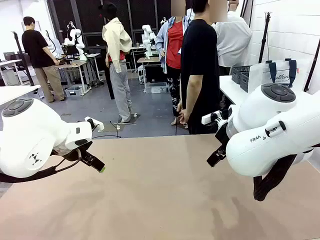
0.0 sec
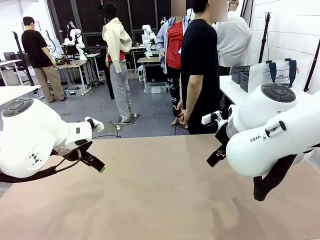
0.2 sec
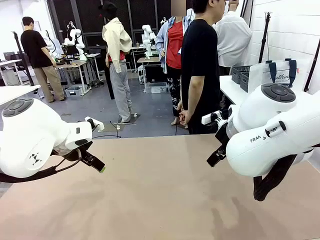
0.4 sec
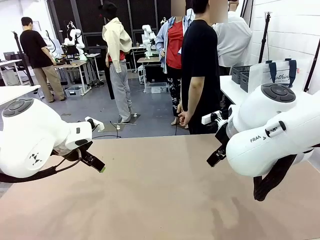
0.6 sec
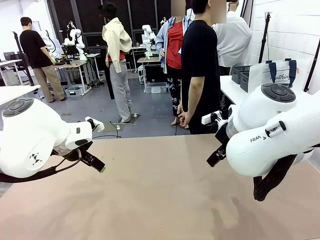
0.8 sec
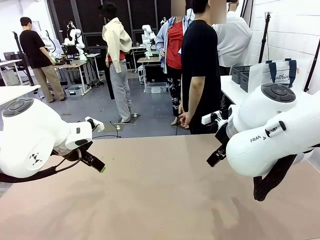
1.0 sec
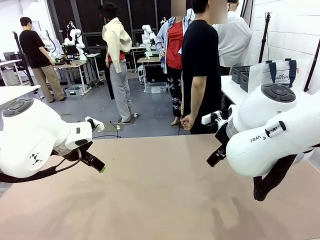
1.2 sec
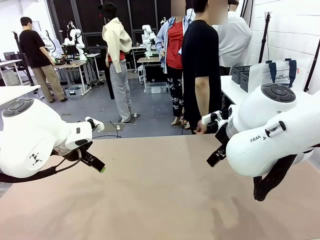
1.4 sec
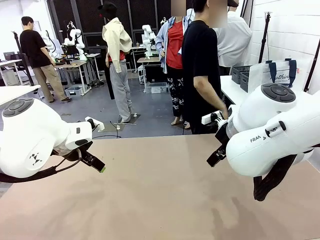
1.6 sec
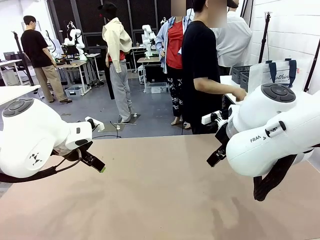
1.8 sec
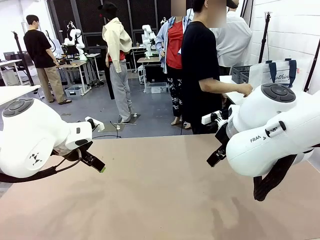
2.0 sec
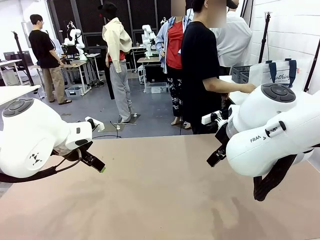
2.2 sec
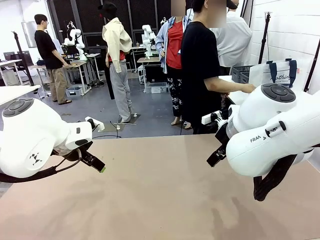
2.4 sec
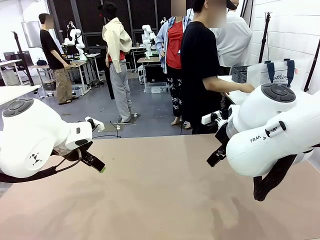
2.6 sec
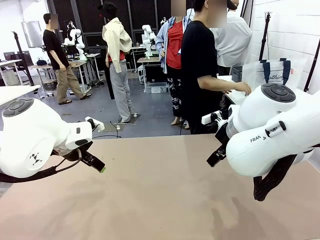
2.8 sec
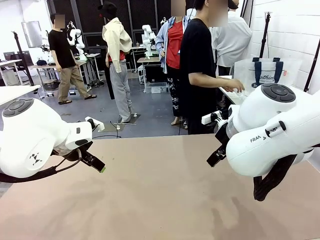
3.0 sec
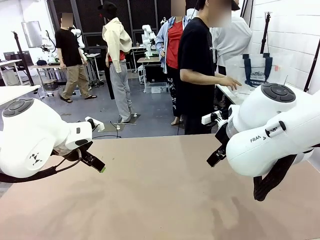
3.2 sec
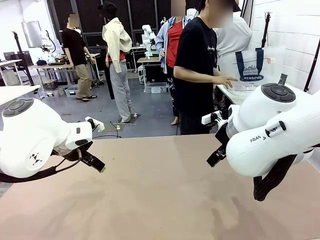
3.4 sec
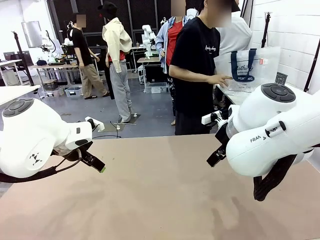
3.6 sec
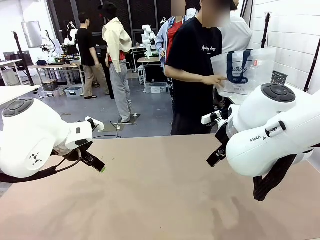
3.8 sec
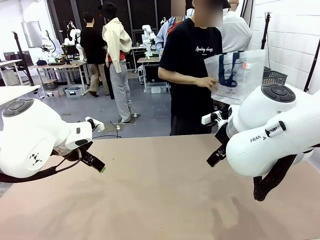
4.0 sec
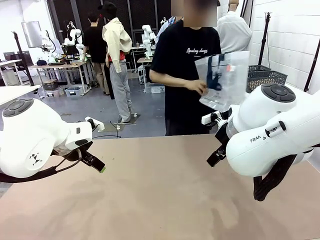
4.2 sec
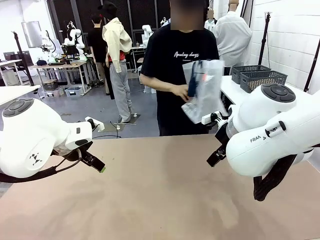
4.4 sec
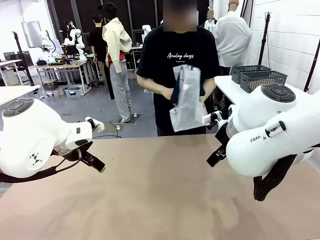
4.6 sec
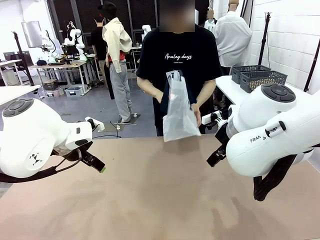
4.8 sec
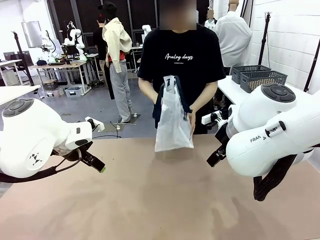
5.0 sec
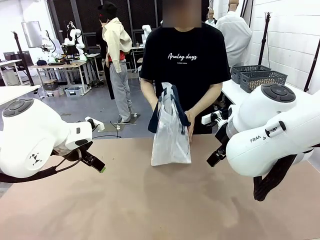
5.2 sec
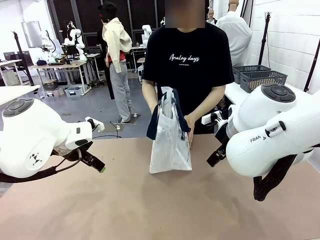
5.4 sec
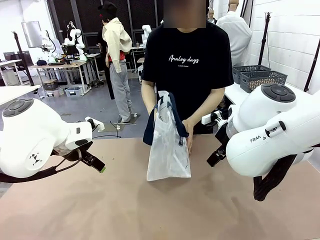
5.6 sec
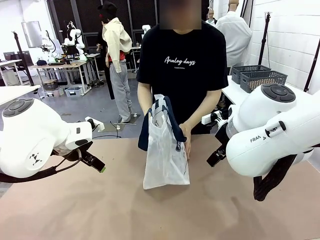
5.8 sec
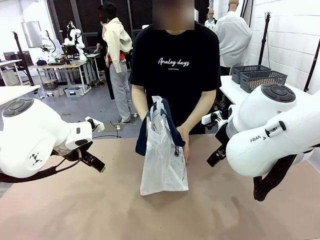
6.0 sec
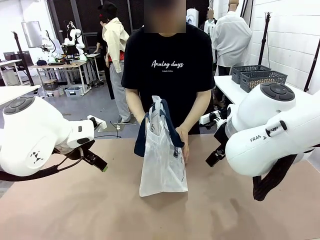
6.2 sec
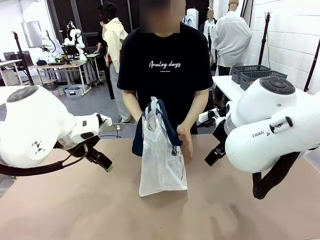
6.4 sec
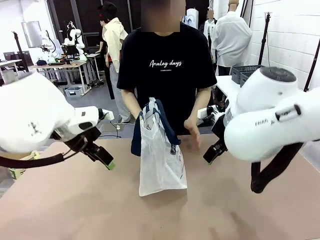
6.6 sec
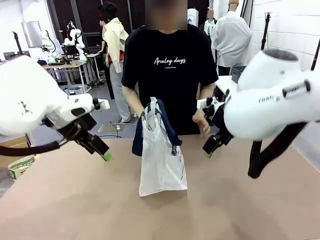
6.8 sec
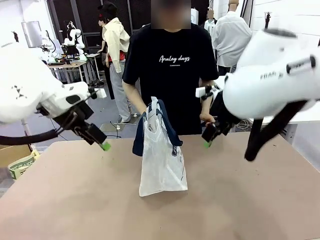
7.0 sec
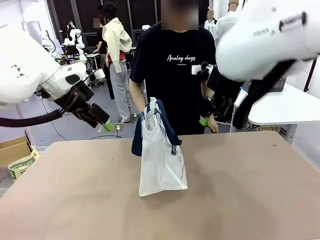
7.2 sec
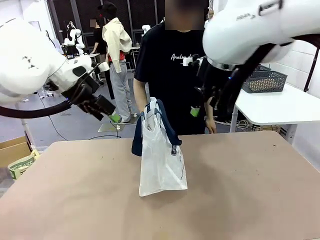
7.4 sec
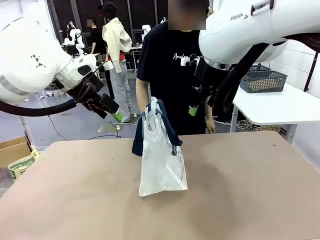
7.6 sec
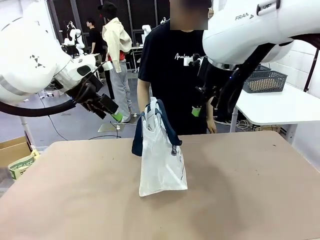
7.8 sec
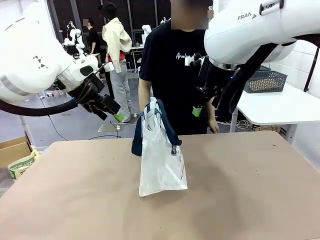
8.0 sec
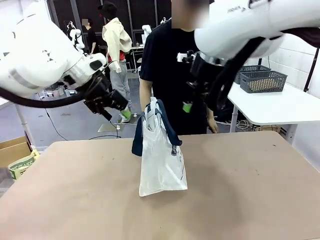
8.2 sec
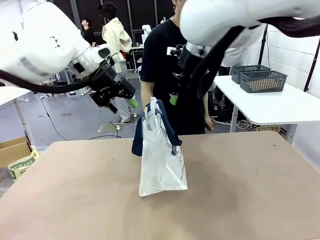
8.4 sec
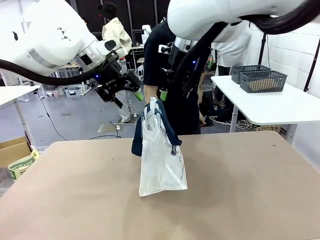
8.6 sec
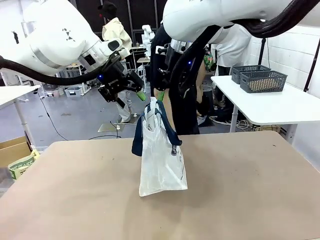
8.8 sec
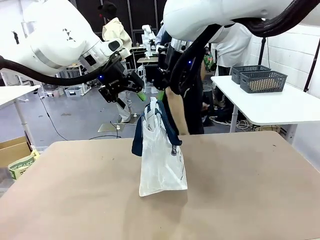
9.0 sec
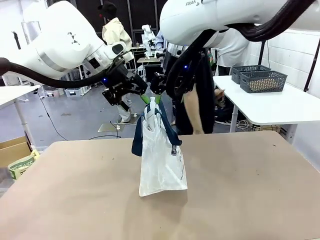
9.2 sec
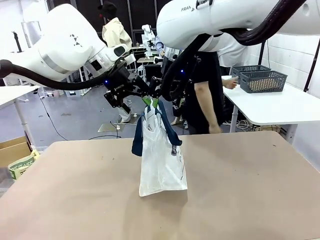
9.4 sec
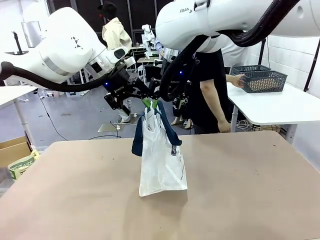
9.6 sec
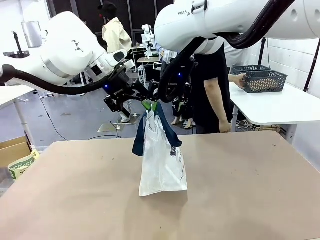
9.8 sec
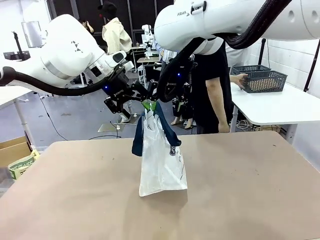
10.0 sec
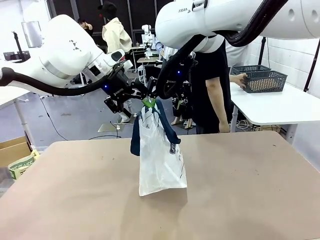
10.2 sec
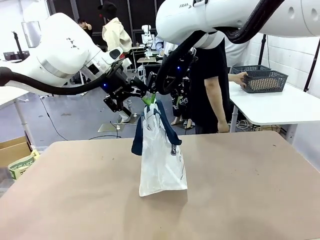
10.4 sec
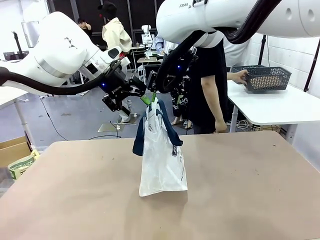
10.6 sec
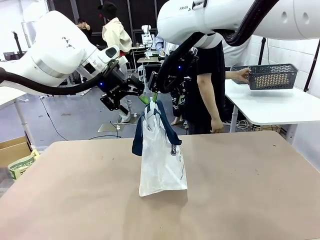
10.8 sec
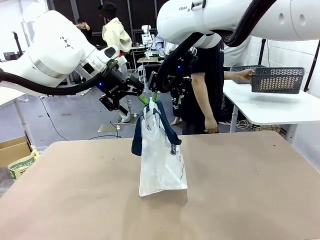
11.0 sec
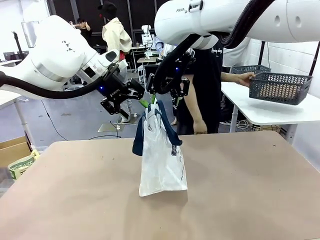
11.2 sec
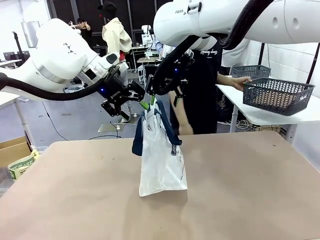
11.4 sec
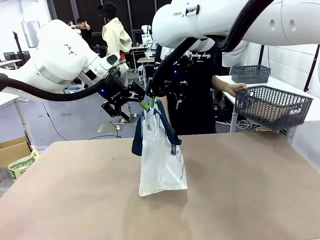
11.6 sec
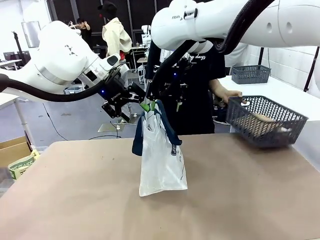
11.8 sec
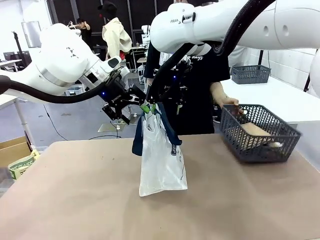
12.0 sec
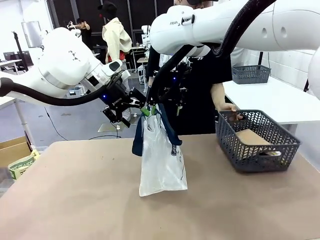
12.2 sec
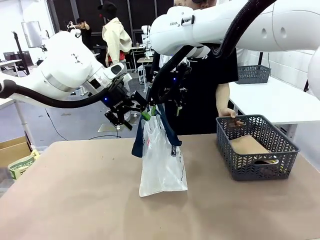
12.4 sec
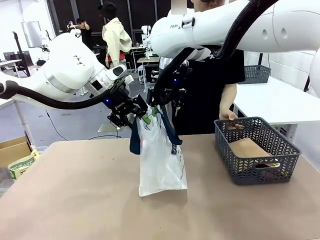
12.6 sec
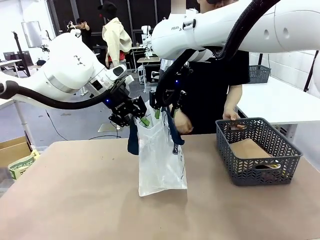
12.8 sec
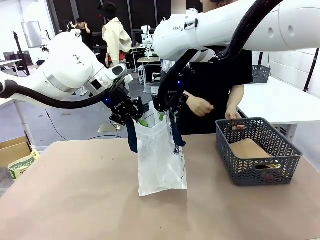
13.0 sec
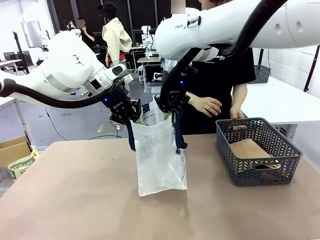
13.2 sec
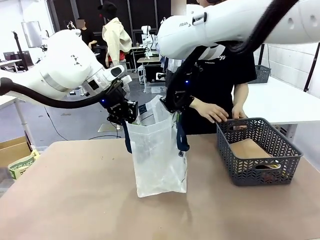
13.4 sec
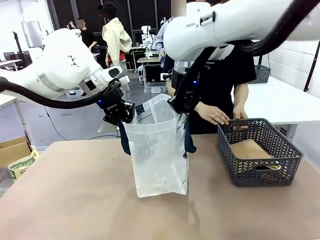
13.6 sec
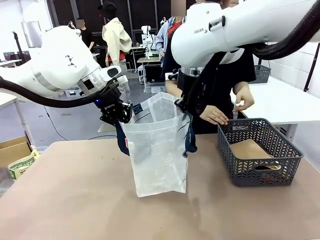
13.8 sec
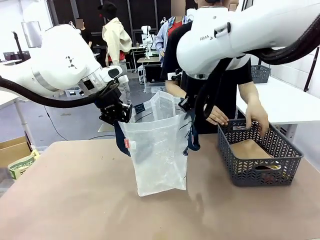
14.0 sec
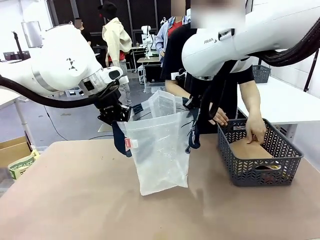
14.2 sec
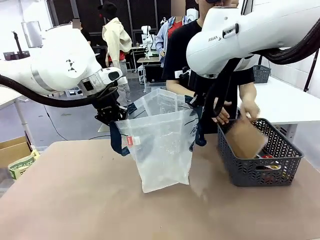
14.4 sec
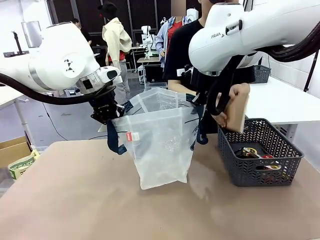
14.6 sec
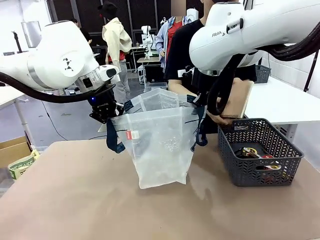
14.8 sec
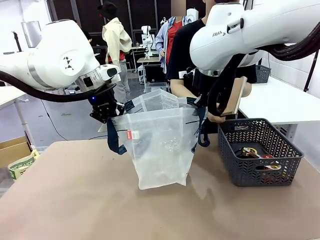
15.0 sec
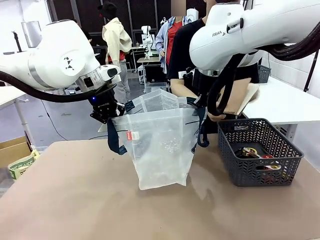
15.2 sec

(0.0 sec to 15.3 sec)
Task: Transfer purchased items from the store into the shopping bag.
Robot: Open the Reusable shopping bag in the center of the table.
Person: Pick up the shopping bag and place it in the middle of the robot table.
